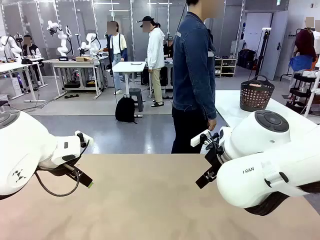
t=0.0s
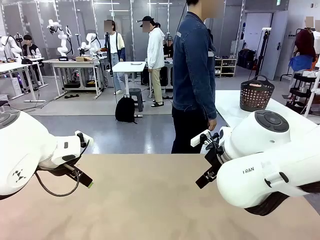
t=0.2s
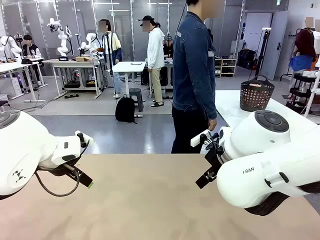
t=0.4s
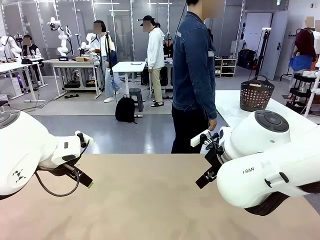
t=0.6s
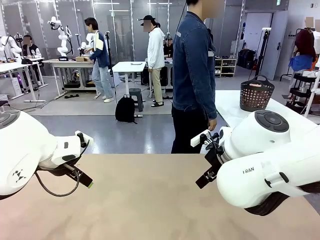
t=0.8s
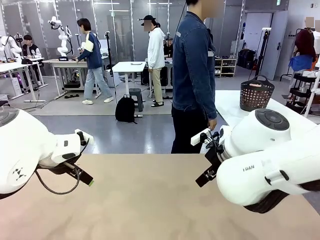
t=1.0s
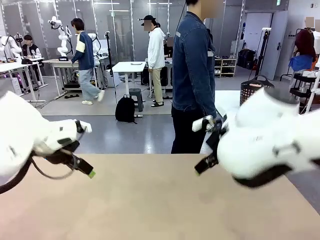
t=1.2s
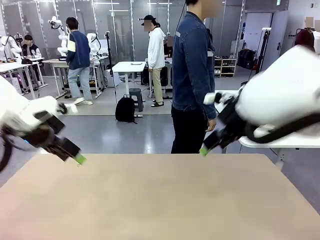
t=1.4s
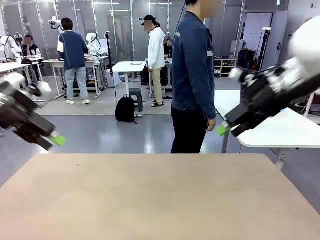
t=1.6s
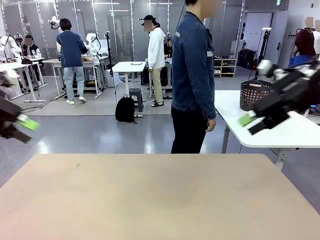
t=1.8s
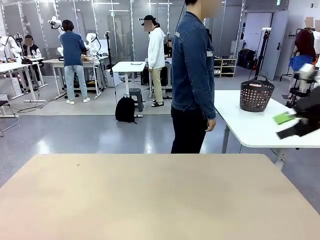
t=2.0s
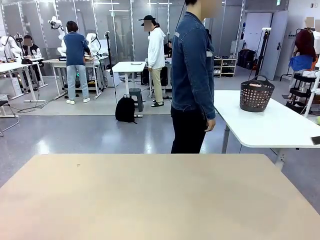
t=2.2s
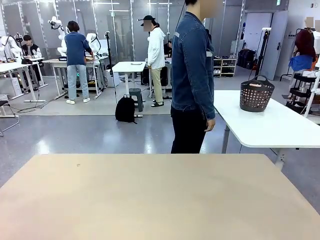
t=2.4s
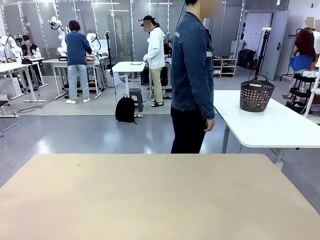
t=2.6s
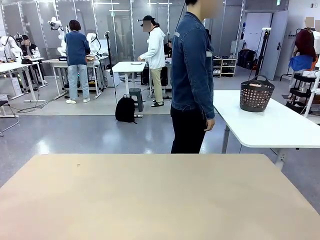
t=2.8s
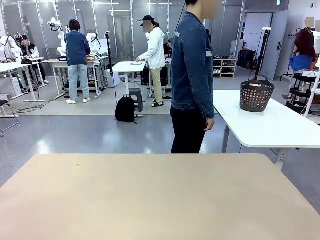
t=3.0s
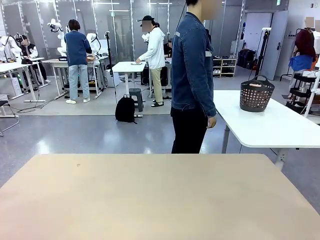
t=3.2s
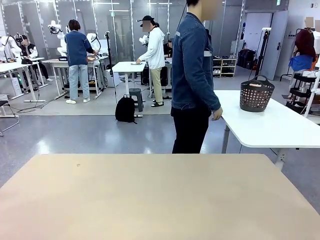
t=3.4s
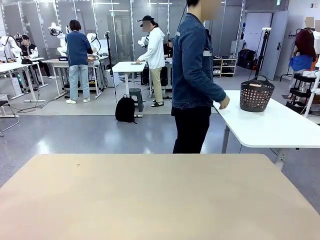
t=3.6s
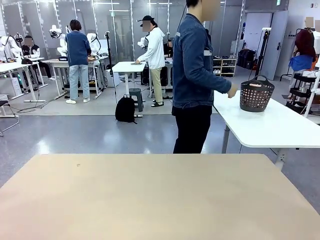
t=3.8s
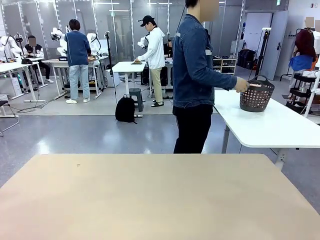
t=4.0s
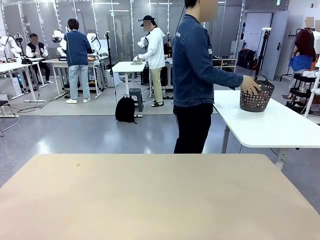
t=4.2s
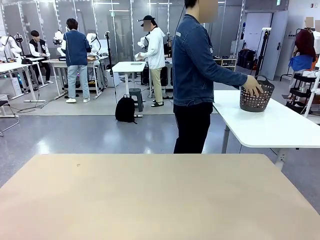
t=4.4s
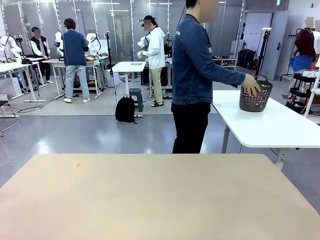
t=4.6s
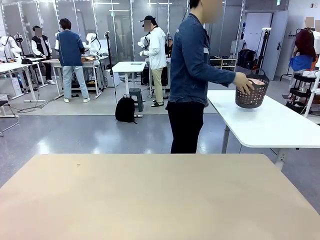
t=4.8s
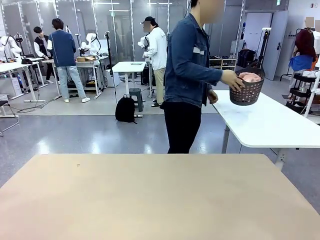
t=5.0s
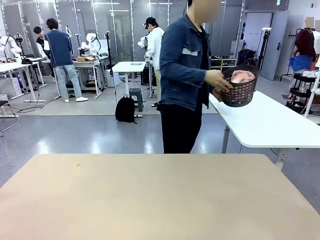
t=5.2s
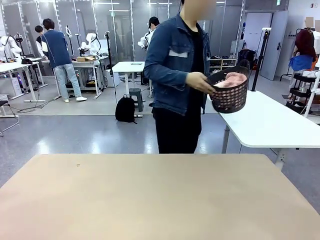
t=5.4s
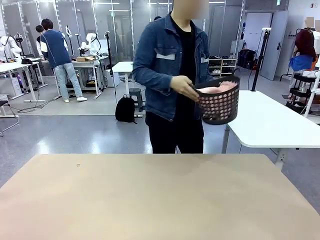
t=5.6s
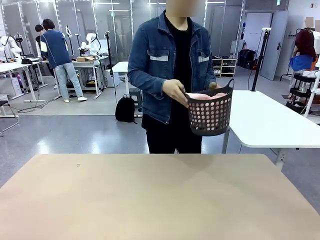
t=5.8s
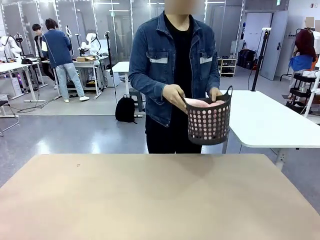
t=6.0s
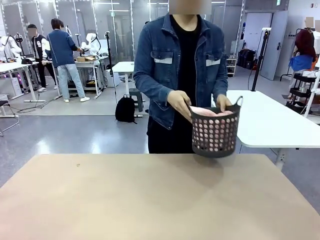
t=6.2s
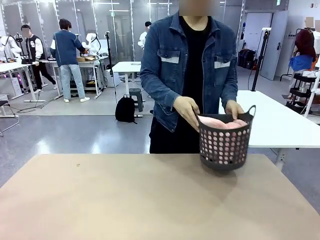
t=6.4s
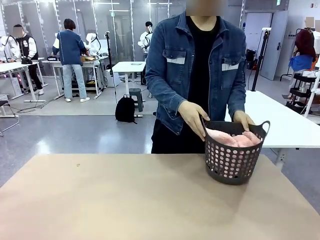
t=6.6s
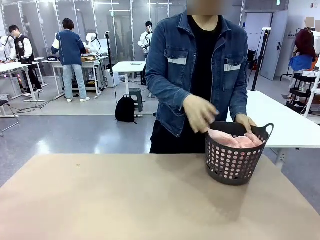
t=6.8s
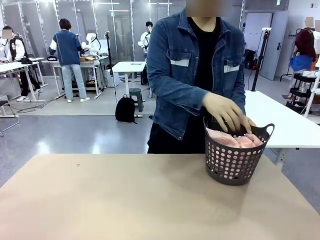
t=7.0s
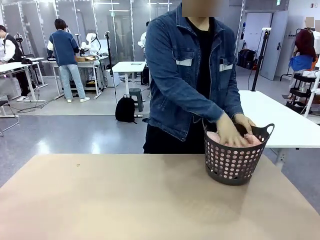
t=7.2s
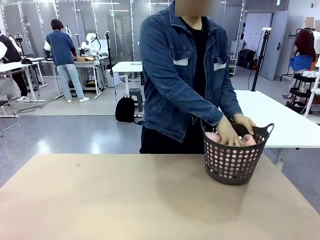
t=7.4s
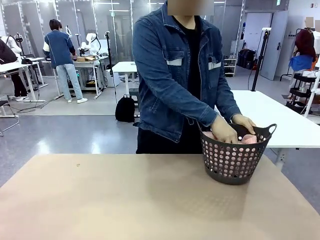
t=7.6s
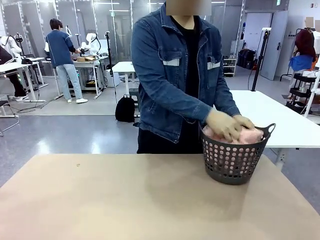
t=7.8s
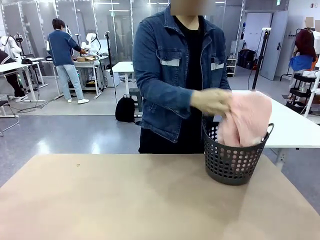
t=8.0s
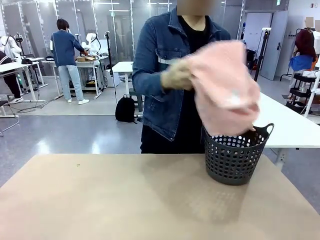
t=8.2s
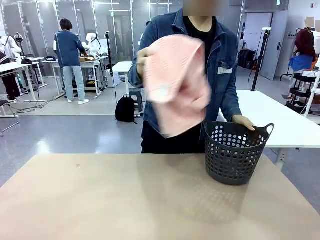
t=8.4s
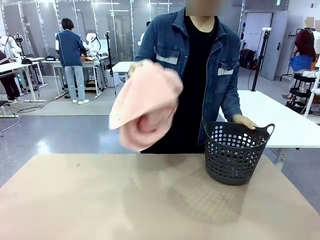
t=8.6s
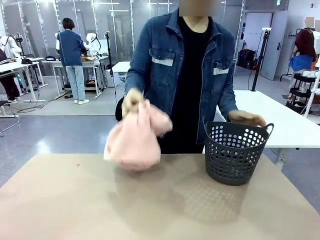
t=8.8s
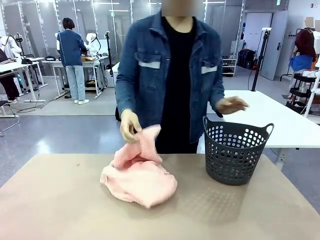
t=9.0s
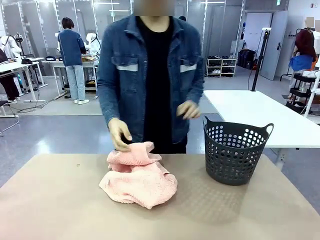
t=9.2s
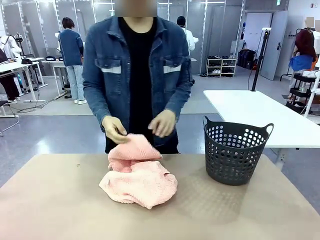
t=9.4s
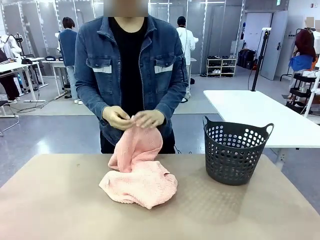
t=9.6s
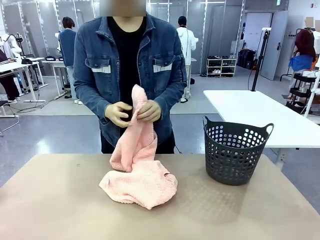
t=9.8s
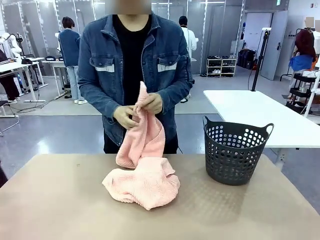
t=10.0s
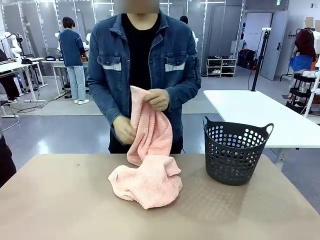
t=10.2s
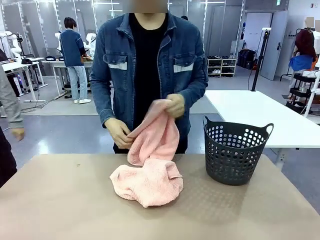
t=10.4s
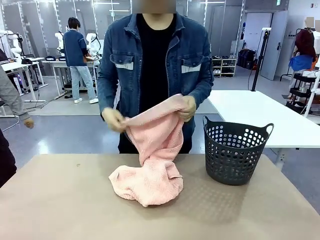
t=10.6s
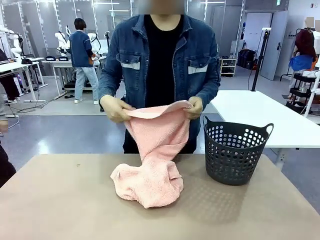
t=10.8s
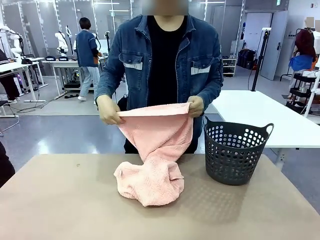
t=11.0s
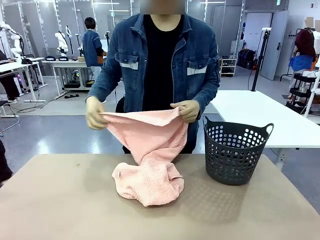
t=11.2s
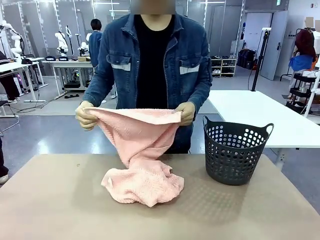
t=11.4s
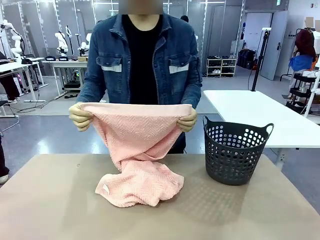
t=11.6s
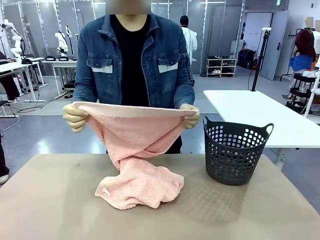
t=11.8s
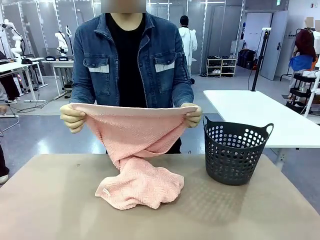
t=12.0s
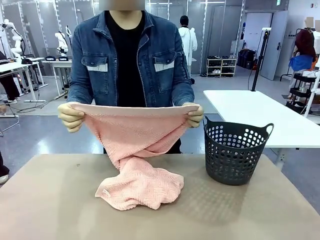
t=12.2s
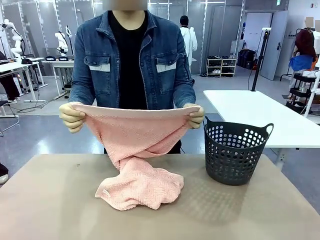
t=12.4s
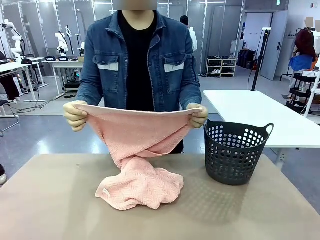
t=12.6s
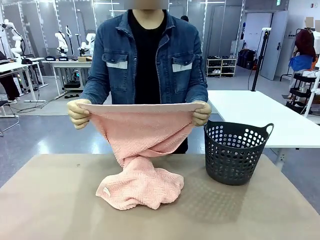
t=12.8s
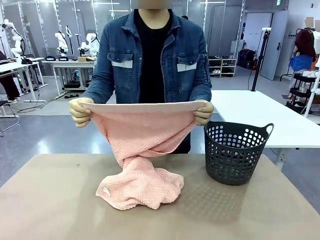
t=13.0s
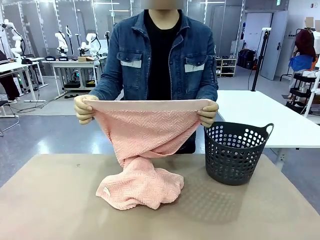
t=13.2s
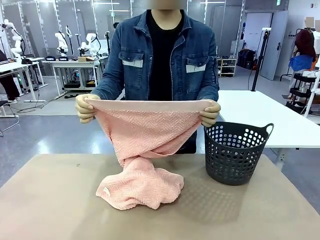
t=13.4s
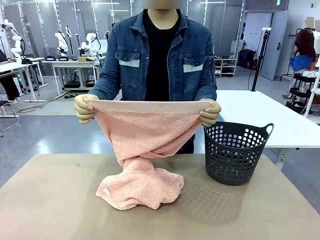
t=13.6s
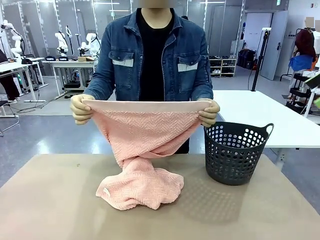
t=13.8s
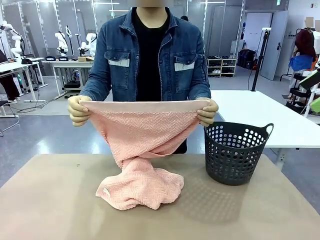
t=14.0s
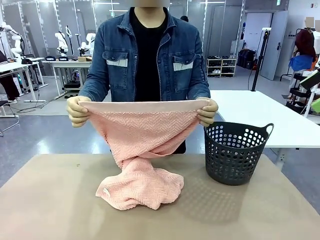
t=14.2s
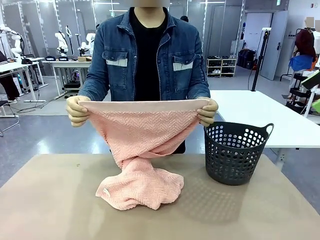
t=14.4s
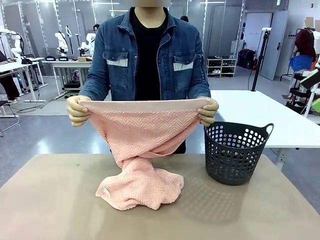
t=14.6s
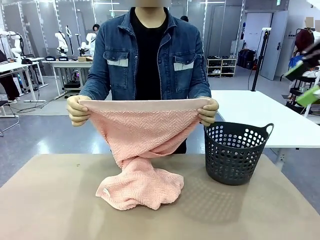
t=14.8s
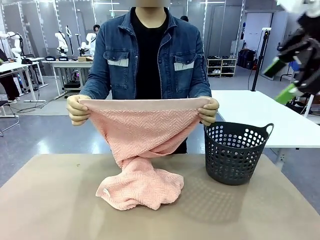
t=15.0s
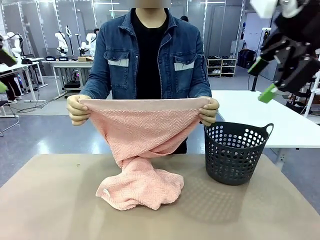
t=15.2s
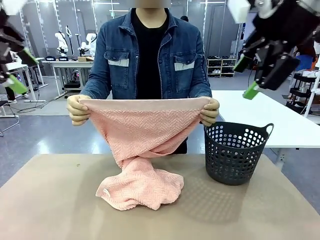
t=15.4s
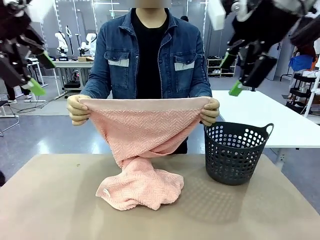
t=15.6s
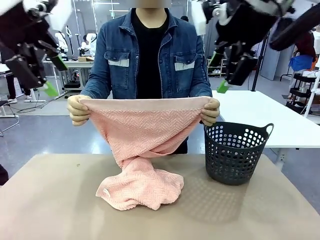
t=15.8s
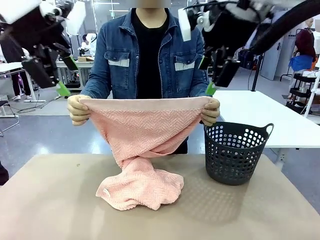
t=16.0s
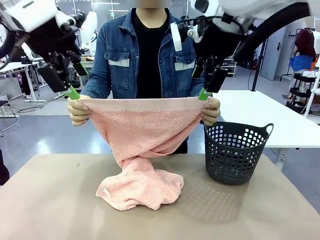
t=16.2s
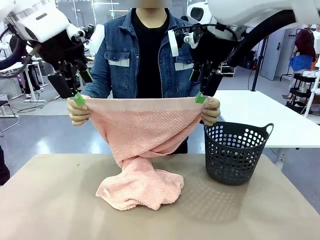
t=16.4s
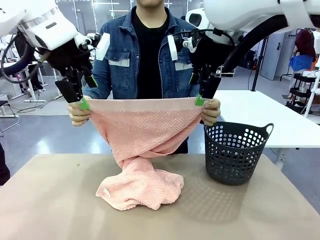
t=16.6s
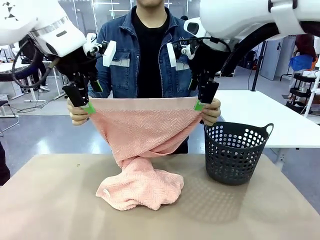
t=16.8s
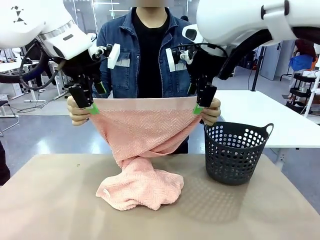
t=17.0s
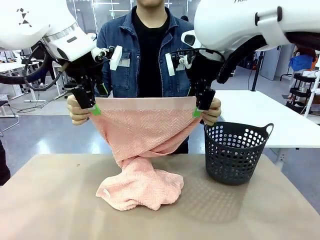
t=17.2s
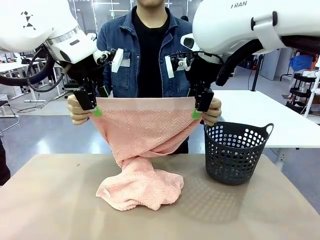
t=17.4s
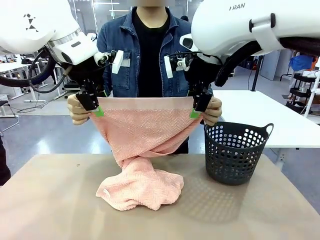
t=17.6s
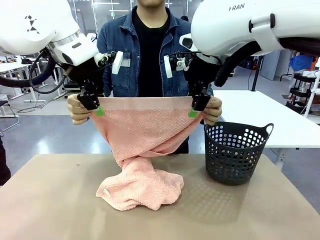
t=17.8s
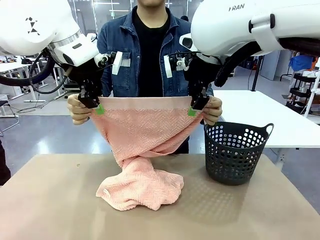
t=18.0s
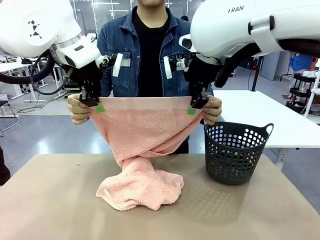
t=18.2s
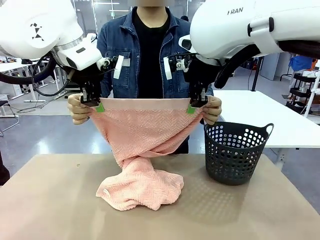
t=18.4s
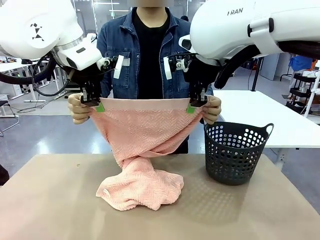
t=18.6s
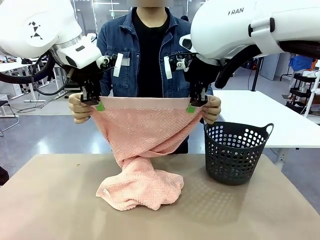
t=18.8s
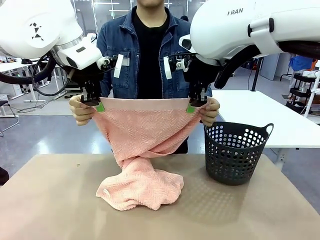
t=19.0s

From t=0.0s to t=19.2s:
Task: Fold the towel.
Robot: Grab the top end of the 100 cm Hotel Towel extended by the human.
Person: Pick up the laundry basket, place it on the left side of the robot table, then take out a towel and hand it to the robot while holding both corners of one end.
